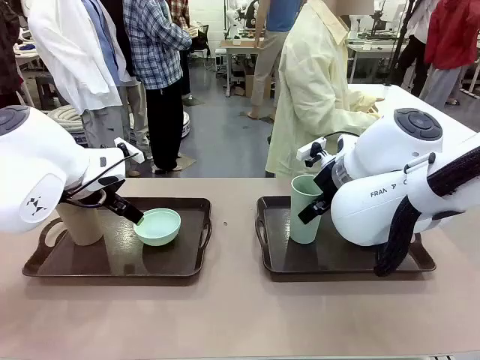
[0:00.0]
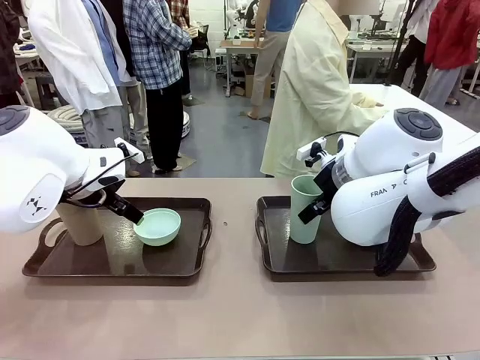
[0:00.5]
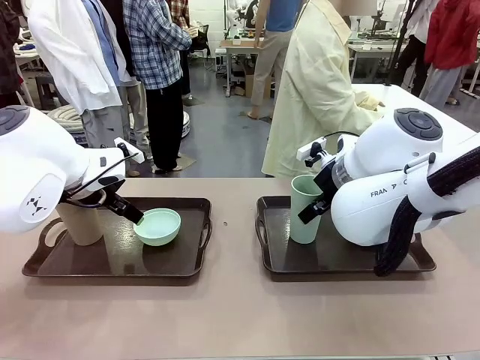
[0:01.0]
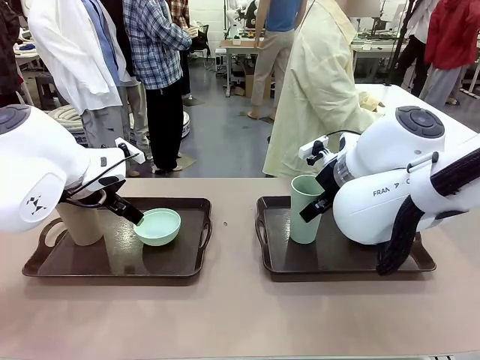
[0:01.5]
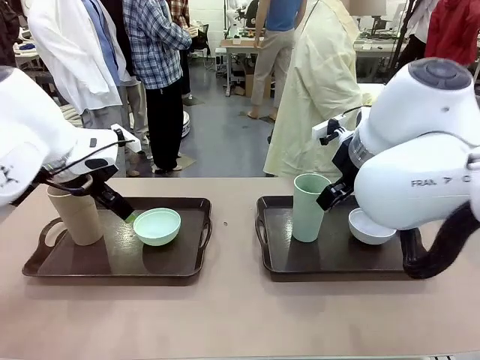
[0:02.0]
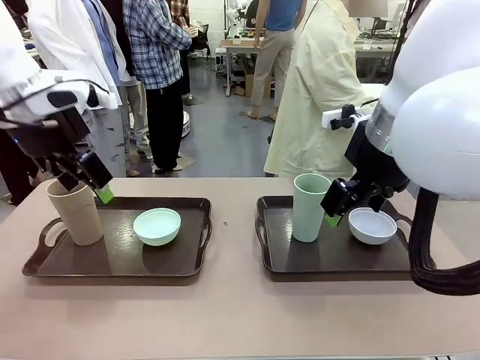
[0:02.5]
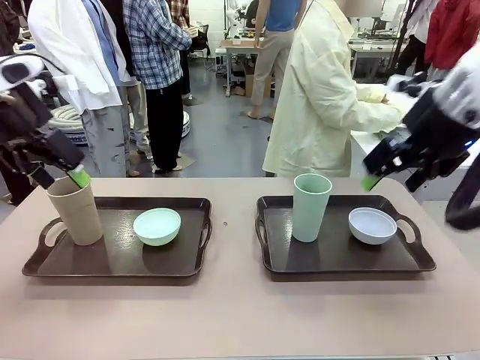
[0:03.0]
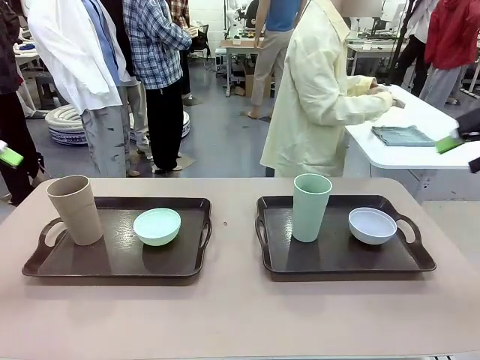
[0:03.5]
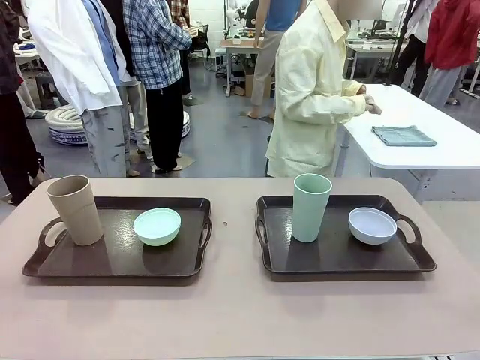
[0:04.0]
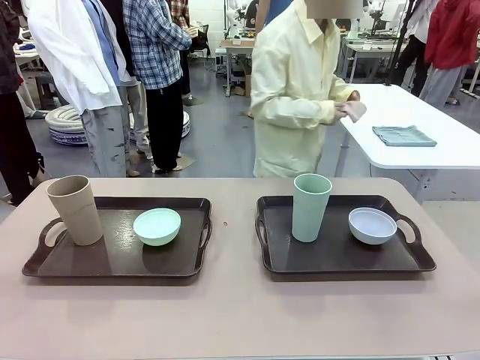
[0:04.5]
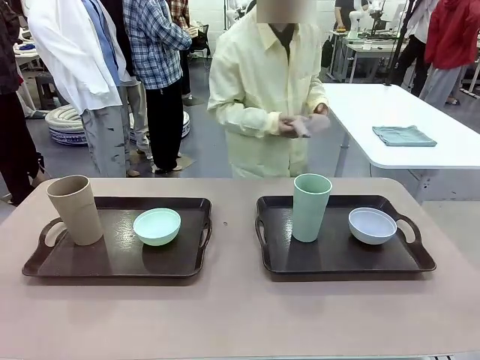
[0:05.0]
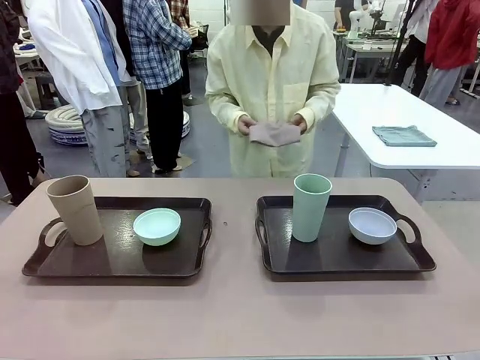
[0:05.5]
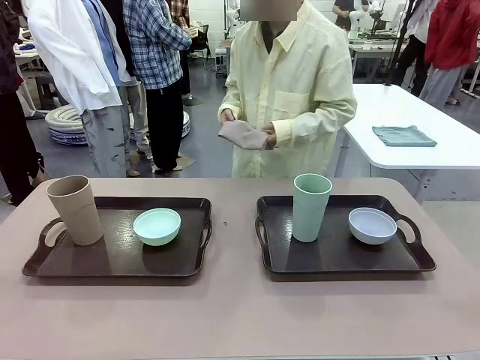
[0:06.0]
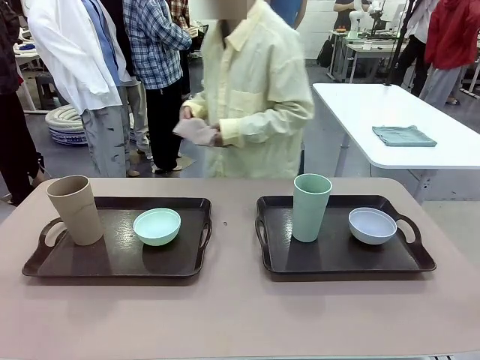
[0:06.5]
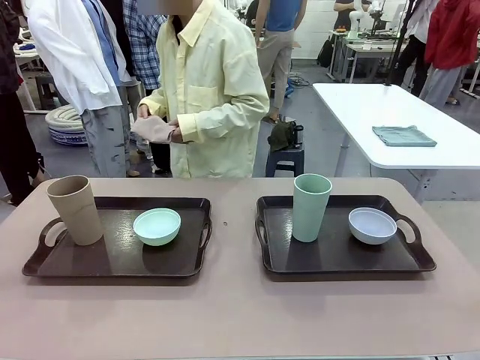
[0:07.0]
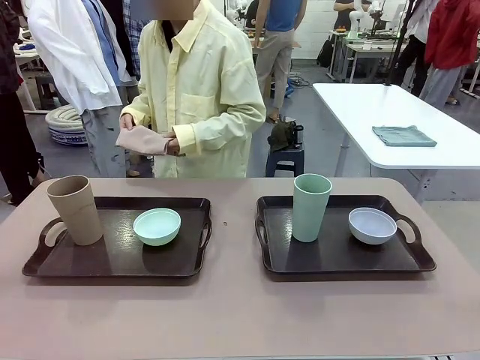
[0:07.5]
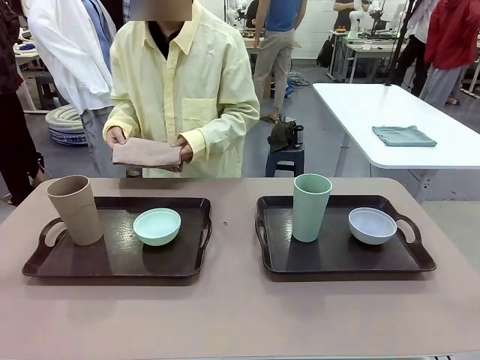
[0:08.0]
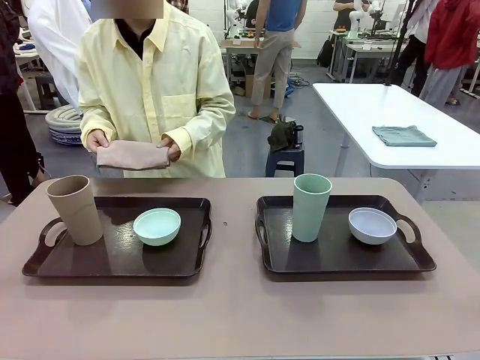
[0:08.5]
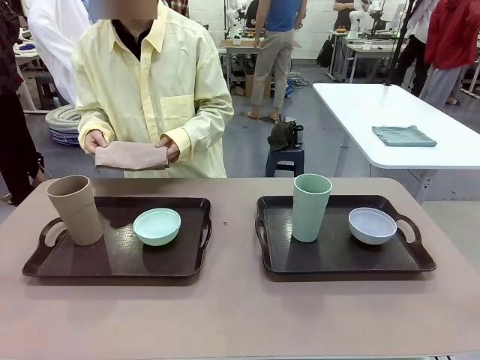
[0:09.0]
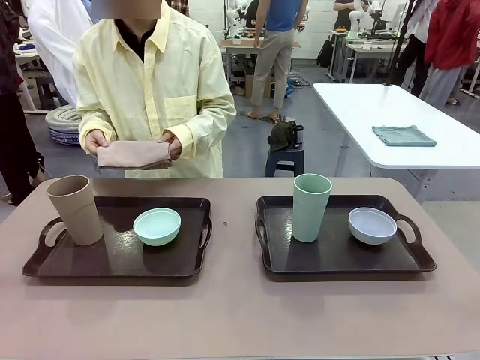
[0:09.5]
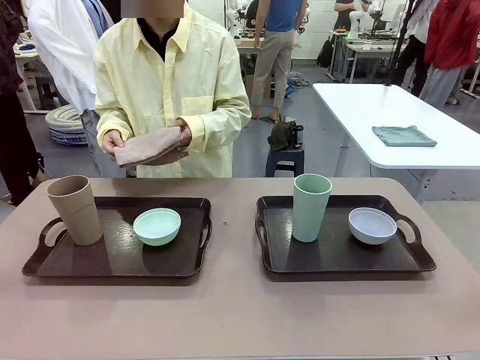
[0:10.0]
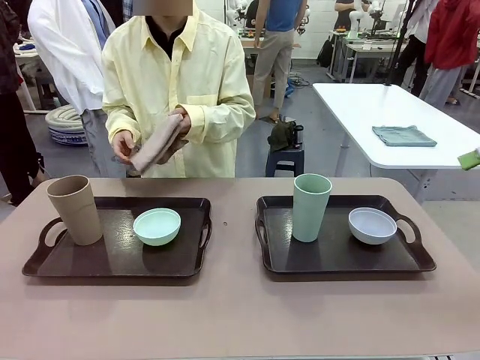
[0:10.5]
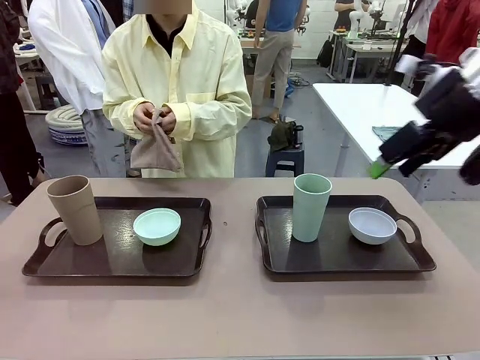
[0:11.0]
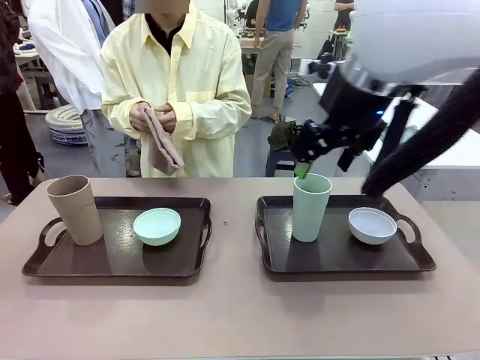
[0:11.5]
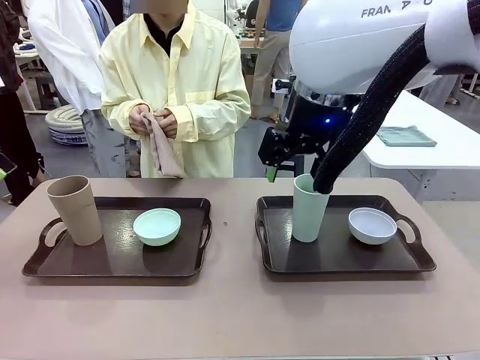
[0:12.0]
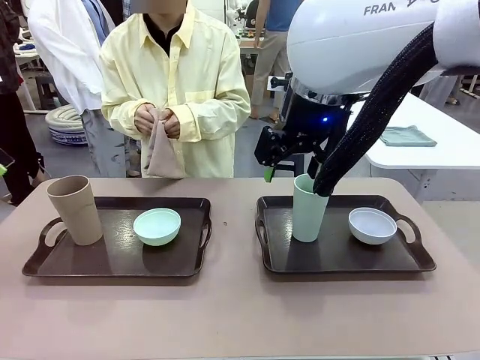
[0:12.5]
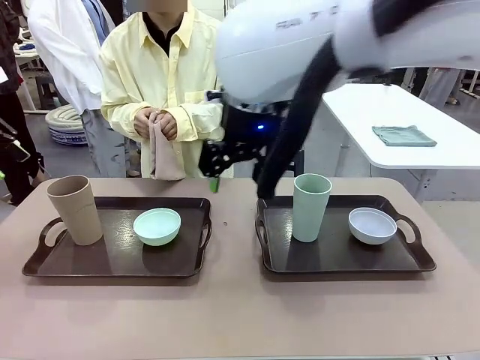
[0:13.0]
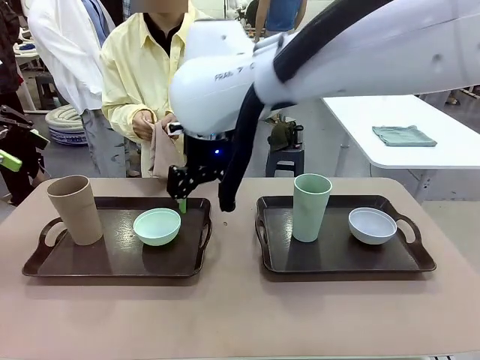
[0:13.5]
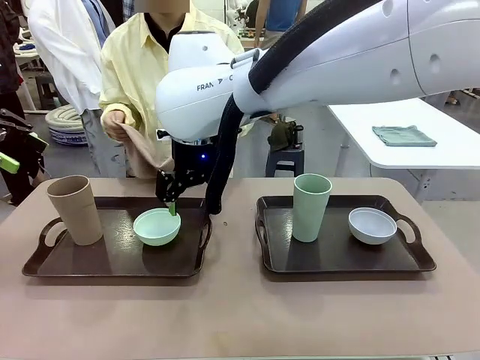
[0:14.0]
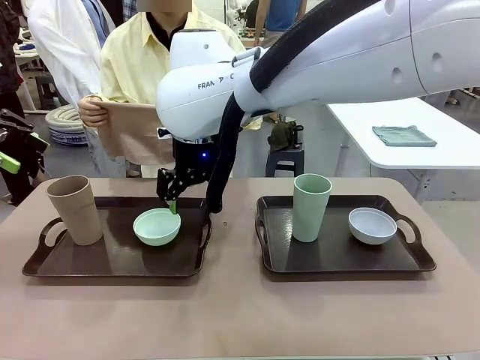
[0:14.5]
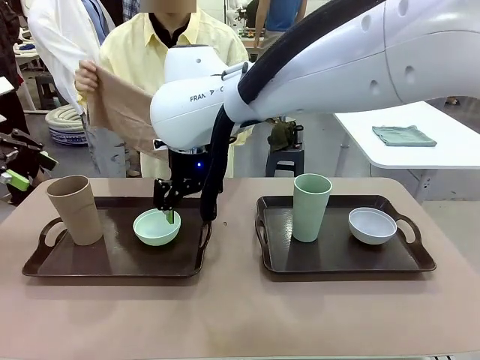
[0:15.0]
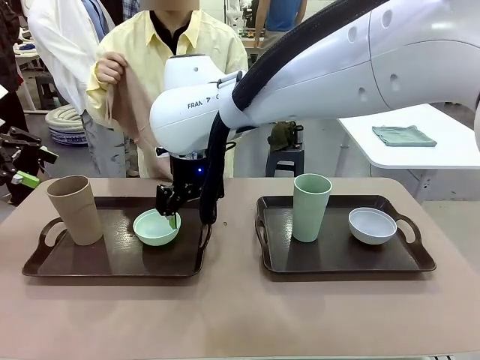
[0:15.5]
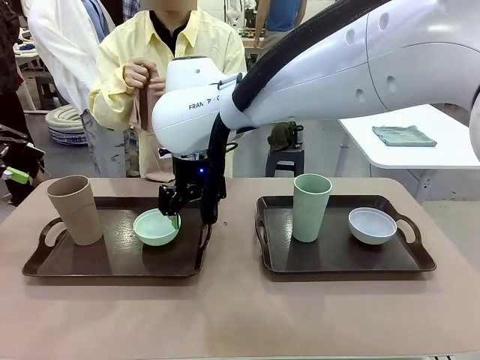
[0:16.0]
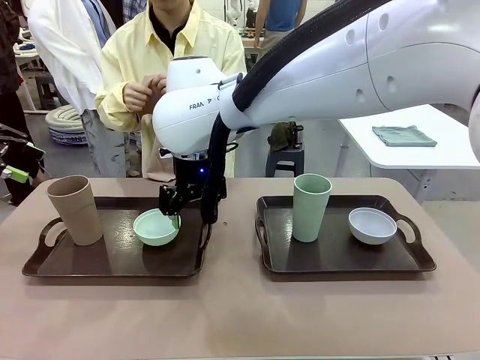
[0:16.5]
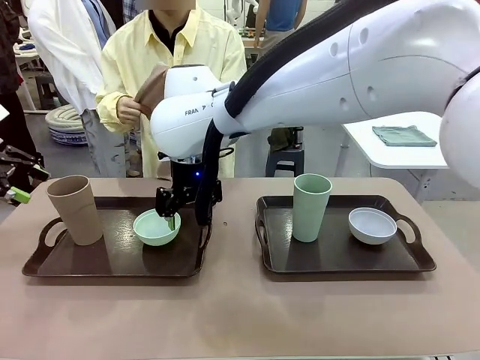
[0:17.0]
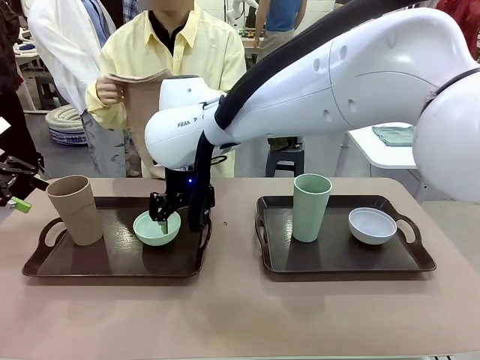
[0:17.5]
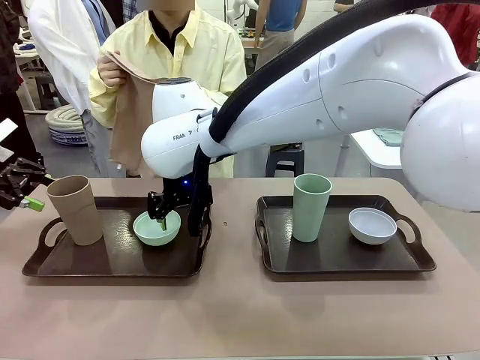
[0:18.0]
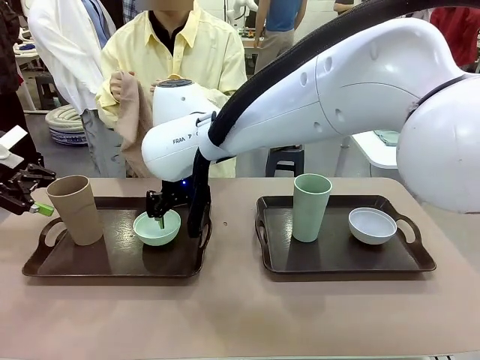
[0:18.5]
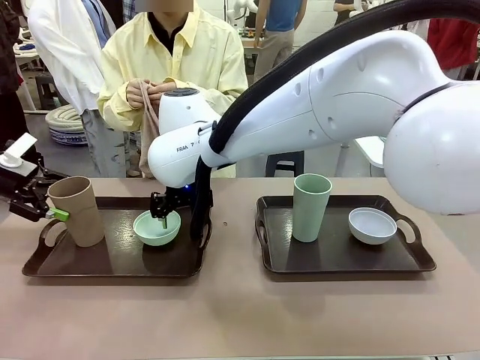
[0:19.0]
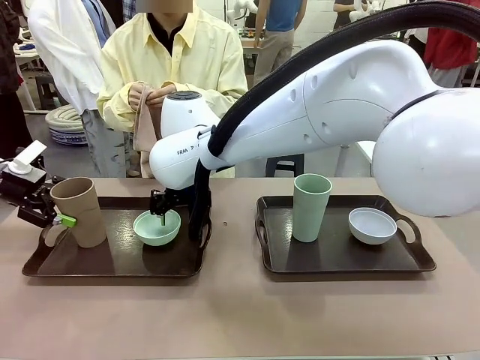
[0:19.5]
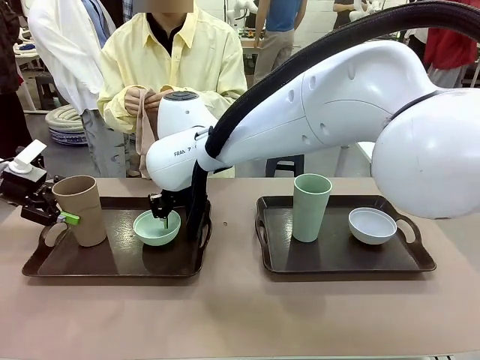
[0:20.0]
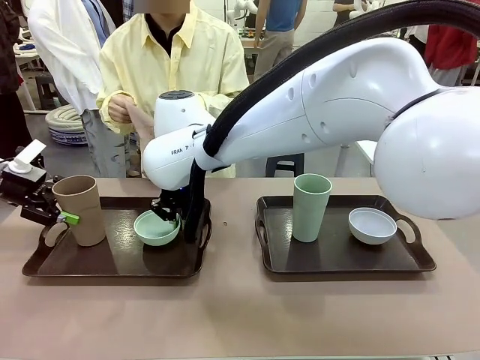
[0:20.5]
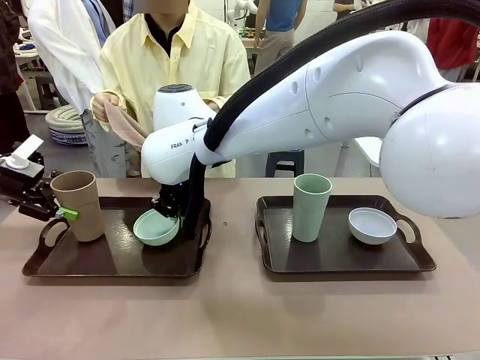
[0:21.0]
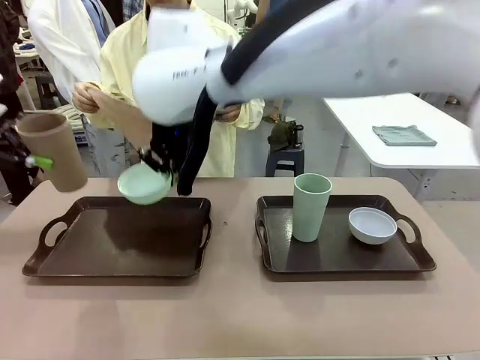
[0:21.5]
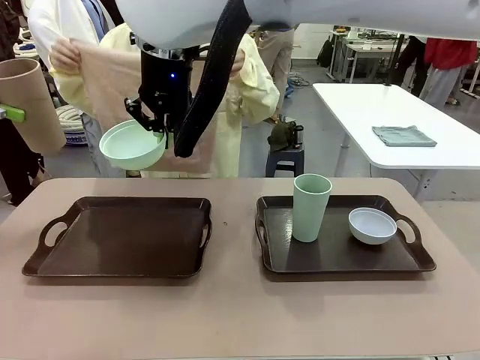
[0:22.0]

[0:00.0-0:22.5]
Robot: Pick up the Picnic Bowl and Reusable plastic cup from the Handle tray in front of the human's position and hold them in the air.
Person: The human picks up the top napkin from the stack on the human table and walks to the robot table to stand in front of one of the two trays. When the robot lifts the bowl and the cup, the human unfolds the napkin and lays the napkin flat on the tray.
